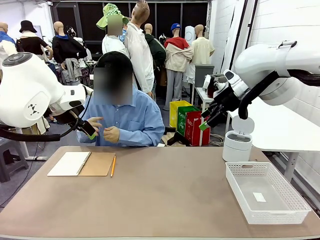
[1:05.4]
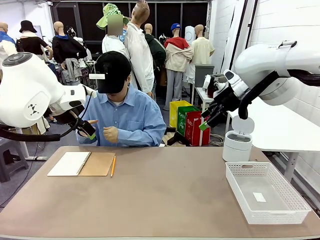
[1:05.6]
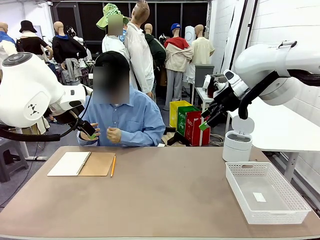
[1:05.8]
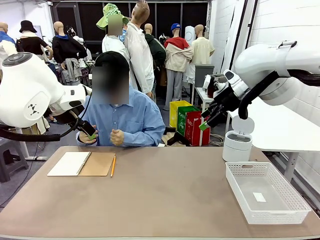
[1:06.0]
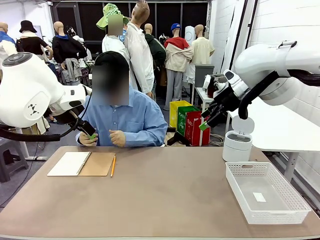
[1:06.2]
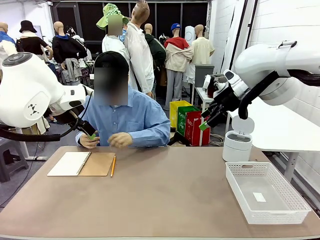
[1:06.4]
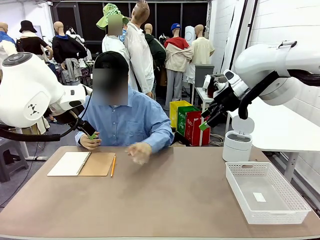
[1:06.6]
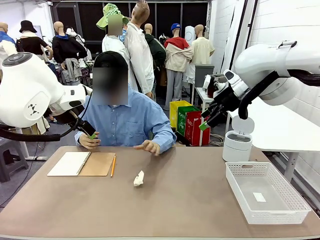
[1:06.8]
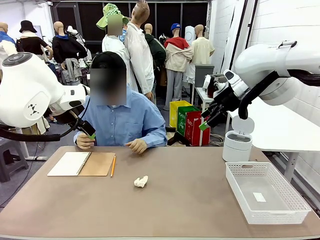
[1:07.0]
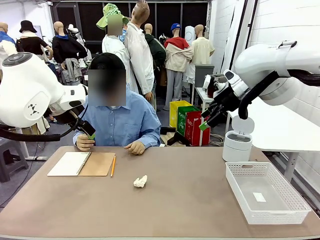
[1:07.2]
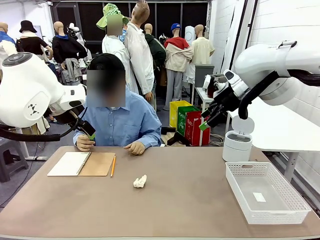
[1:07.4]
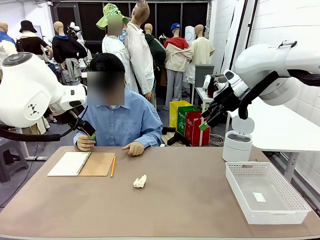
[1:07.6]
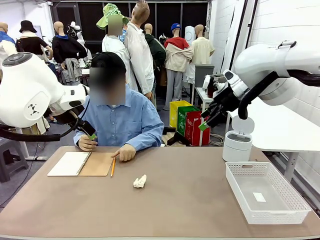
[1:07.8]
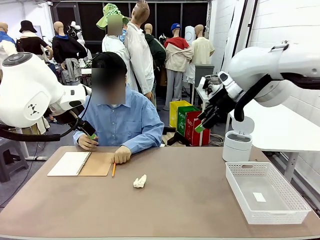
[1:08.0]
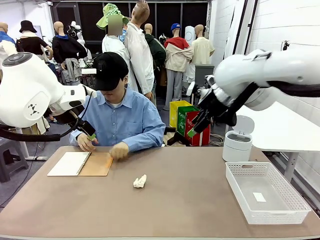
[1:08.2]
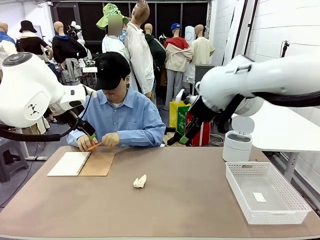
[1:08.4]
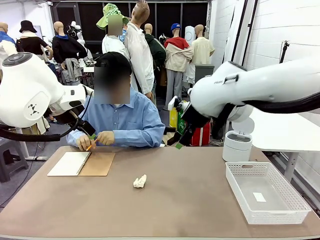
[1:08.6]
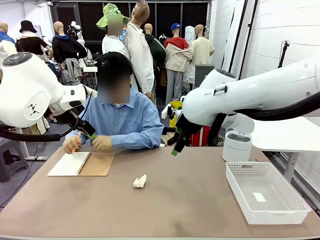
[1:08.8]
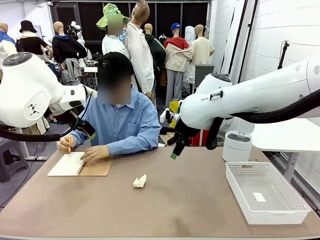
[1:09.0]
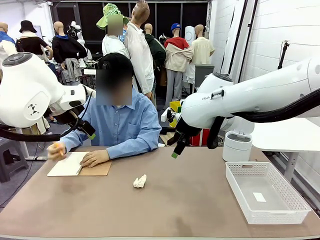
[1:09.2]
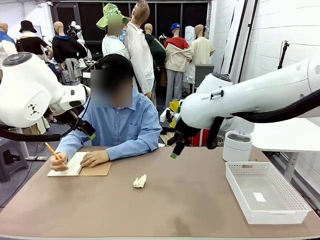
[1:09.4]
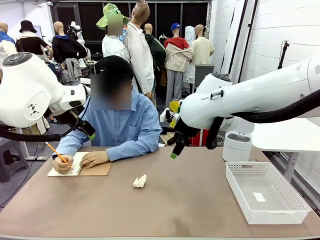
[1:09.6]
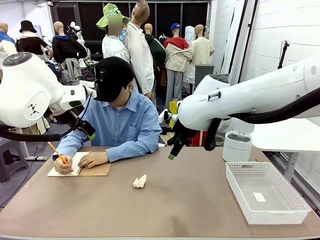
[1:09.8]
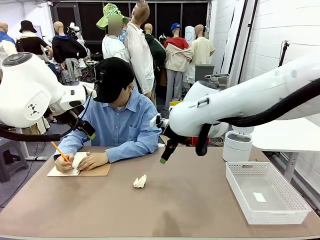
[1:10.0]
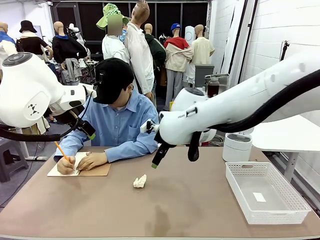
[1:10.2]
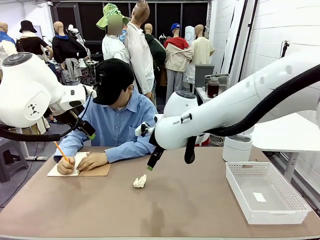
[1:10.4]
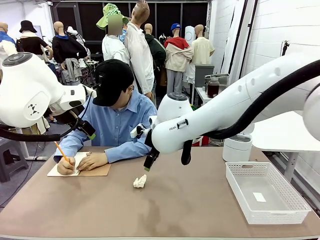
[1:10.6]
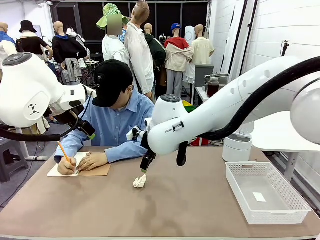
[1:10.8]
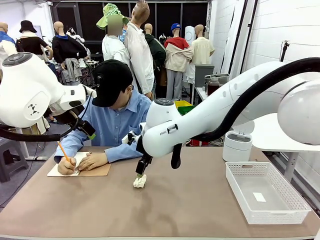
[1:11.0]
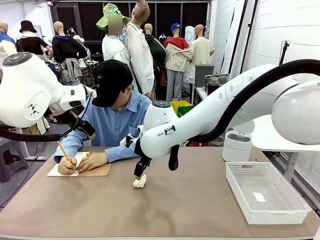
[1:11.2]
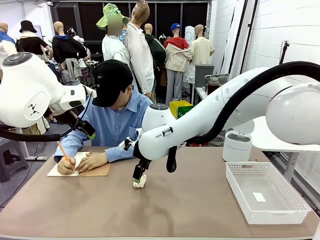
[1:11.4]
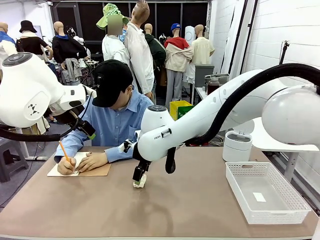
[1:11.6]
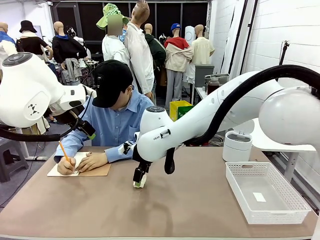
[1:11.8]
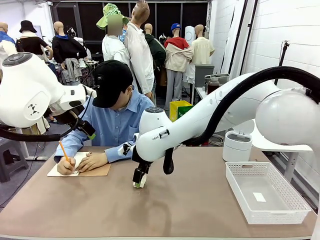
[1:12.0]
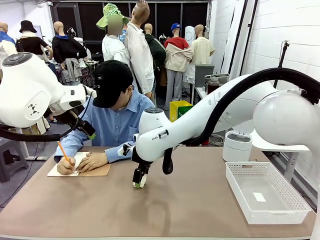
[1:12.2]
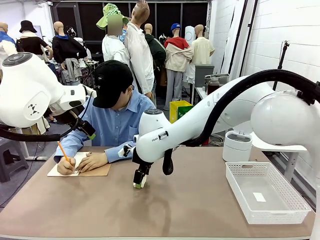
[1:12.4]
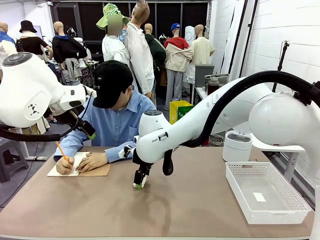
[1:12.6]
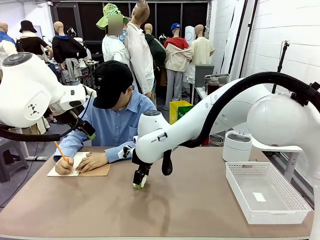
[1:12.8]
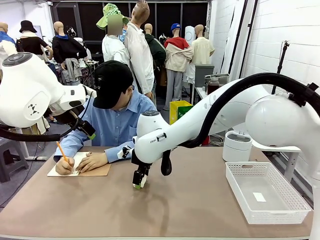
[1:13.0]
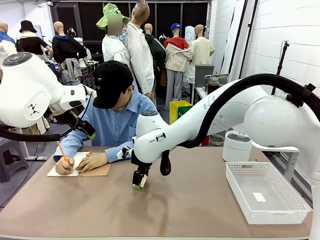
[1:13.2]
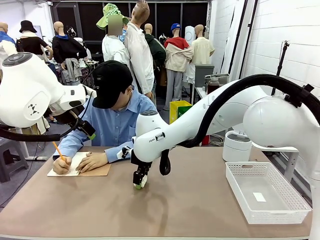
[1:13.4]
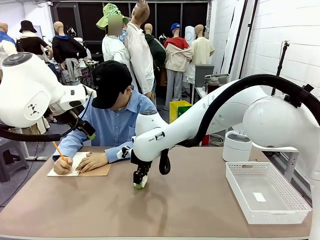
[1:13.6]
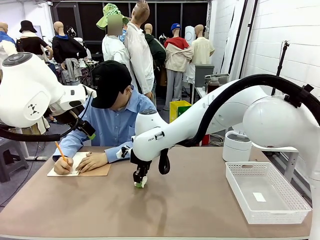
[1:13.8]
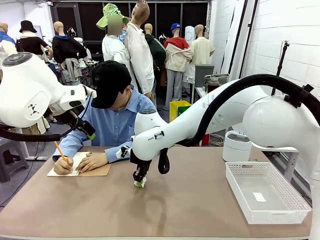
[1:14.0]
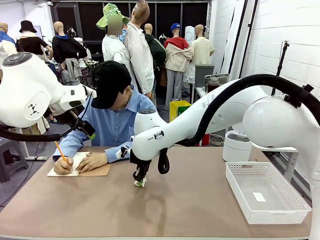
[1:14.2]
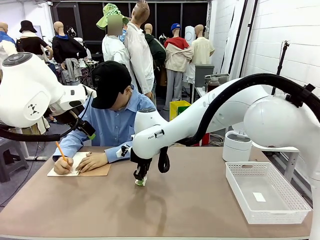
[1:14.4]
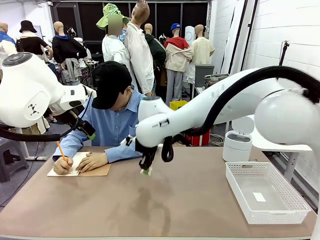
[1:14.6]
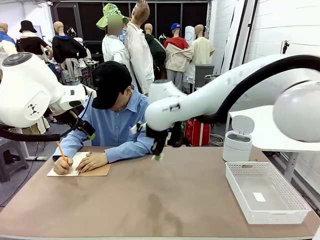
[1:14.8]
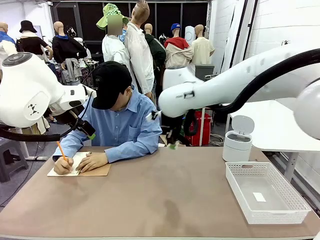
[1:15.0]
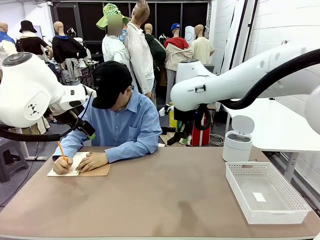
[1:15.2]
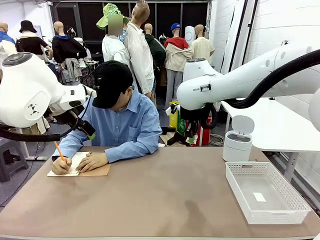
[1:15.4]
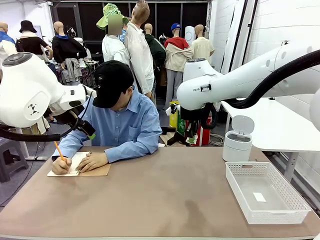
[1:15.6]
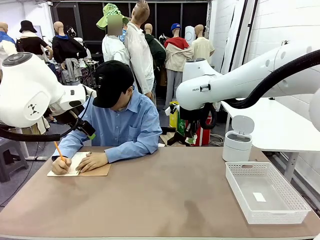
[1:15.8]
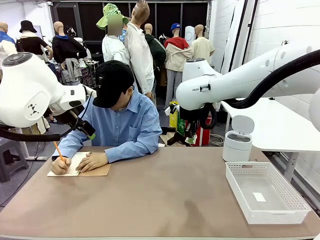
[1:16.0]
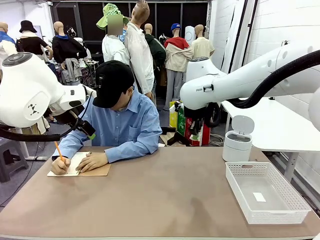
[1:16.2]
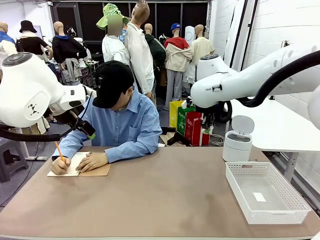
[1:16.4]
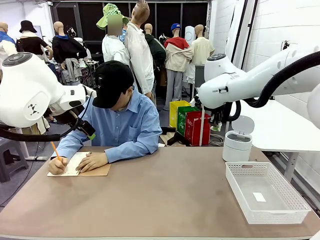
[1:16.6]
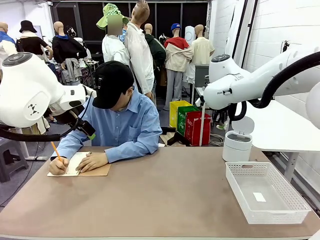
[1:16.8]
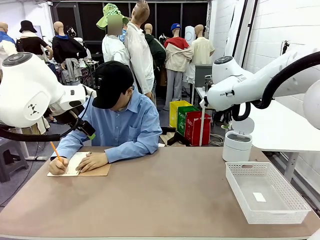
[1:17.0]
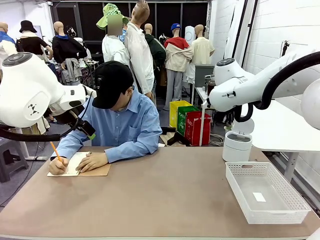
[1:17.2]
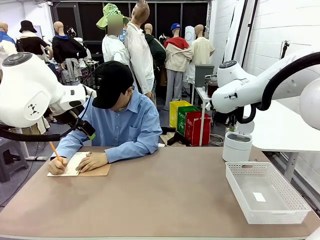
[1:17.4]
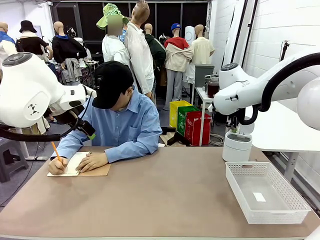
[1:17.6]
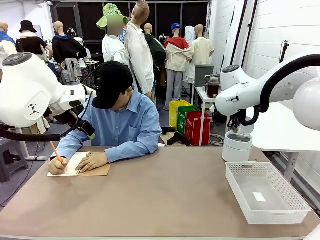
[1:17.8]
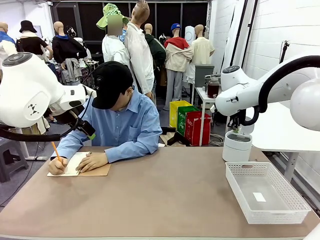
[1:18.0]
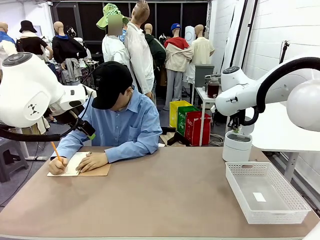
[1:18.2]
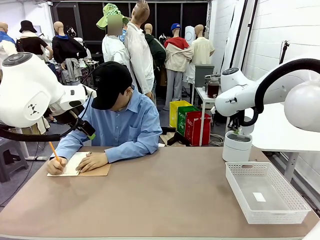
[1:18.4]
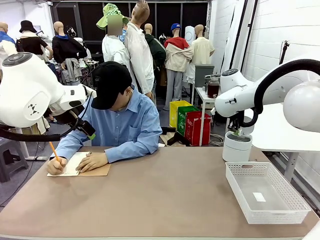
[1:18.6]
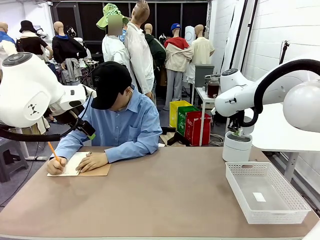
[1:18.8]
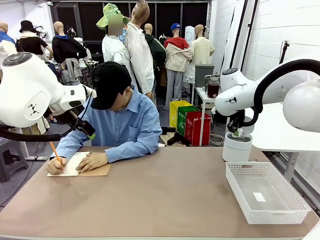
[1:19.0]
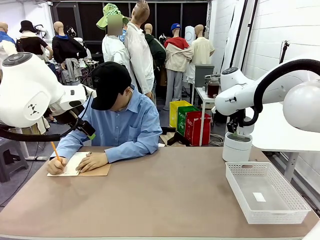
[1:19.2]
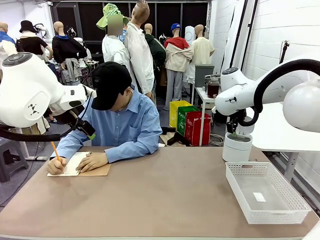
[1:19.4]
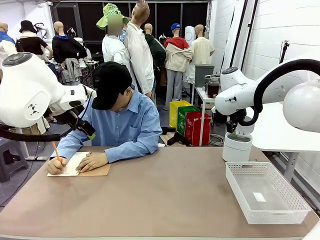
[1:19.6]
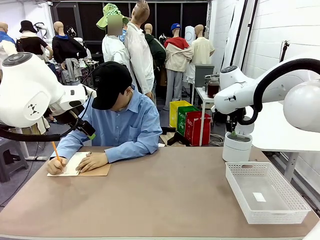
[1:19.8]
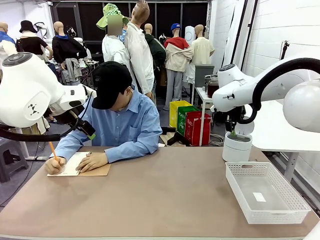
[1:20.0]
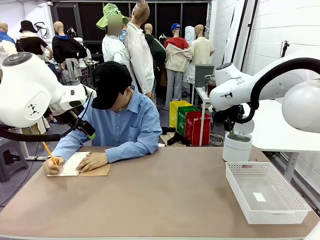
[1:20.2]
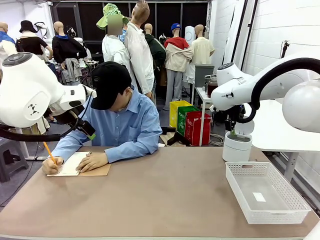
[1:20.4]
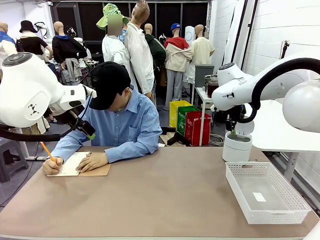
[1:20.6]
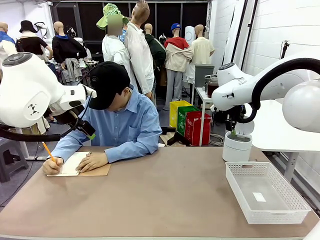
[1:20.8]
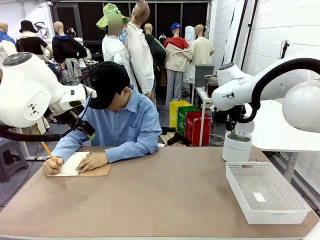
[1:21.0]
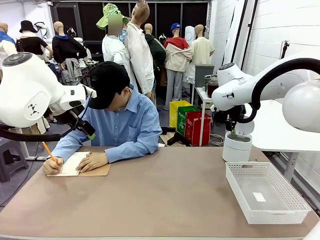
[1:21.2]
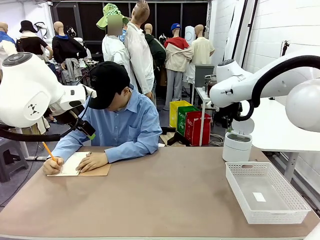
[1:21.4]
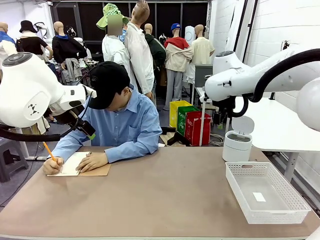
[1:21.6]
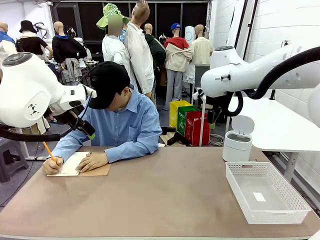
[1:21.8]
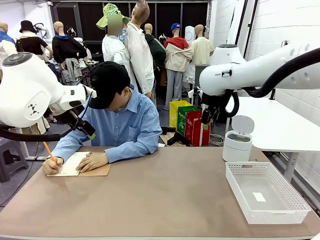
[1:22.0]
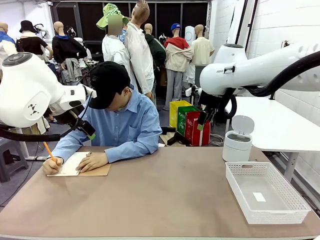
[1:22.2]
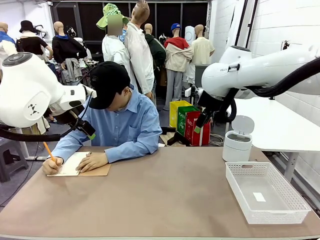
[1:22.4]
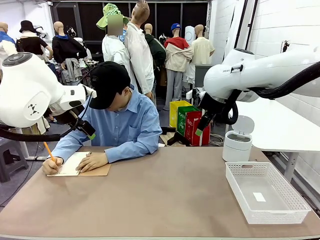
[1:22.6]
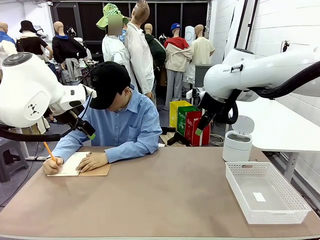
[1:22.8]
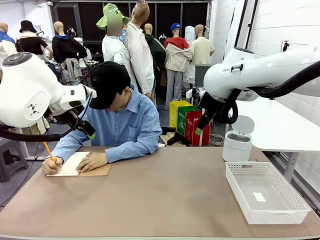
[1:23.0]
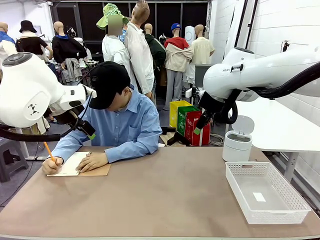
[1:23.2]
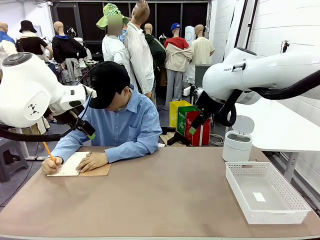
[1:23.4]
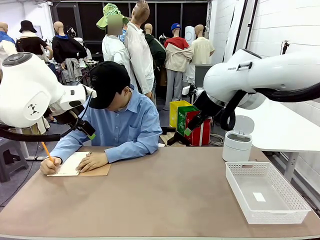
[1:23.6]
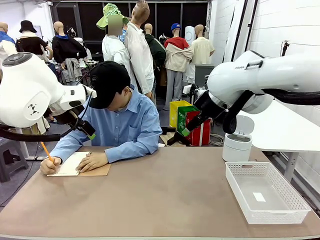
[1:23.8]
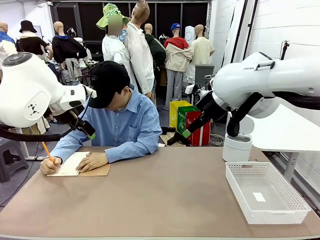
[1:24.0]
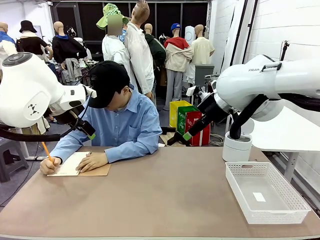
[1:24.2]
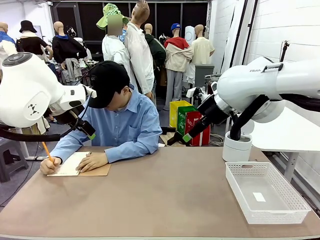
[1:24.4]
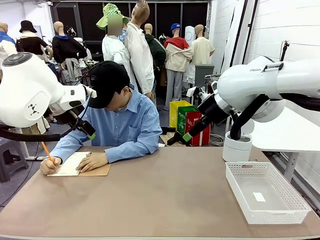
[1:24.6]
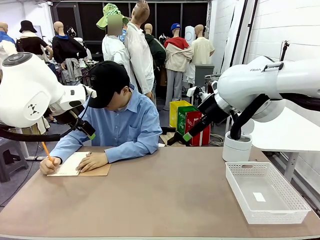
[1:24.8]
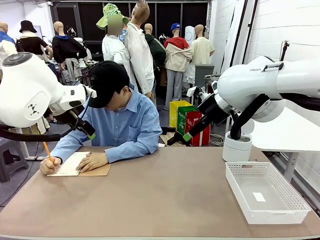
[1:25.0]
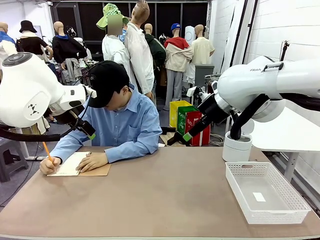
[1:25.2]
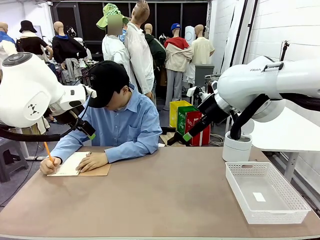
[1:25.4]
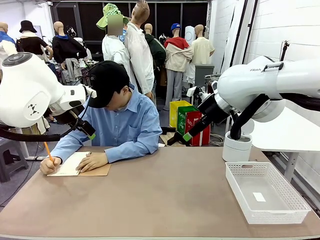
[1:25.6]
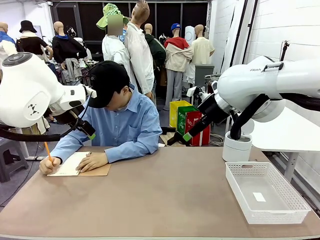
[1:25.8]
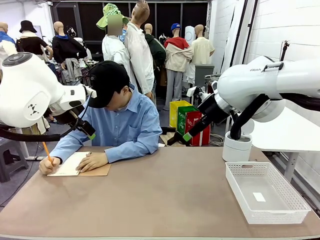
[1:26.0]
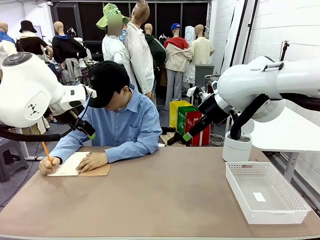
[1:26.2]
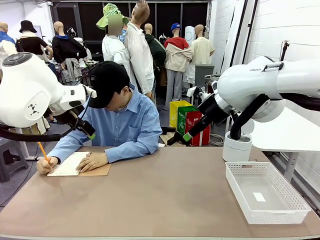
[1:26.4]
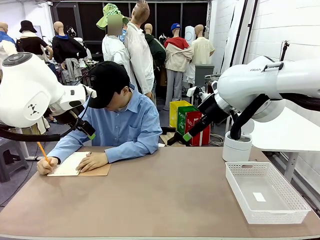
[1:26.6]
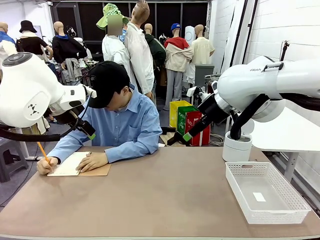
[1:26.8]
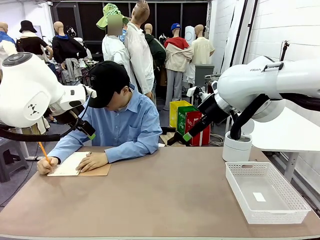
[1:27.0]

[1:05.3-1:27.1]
Task: Sort the paper based on its condition.
Robot: If a person hands you a paper, place it in the Organizing basket , and if it's crumpled, put it in the Trash can.
Person: Tear out a page from the spiral notebook.
